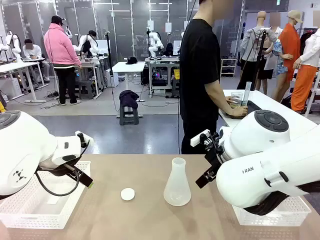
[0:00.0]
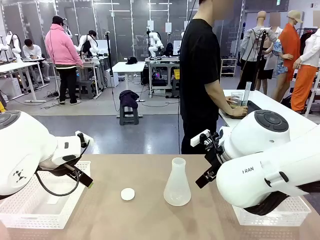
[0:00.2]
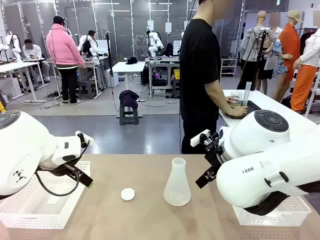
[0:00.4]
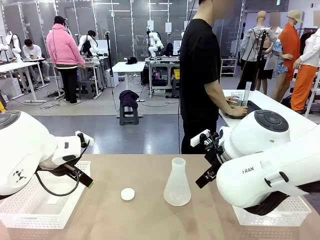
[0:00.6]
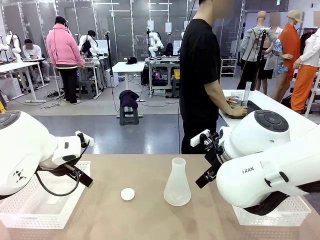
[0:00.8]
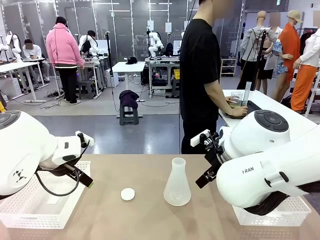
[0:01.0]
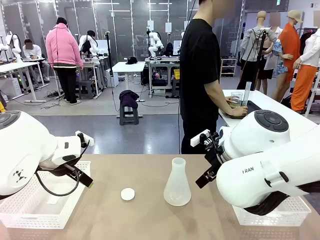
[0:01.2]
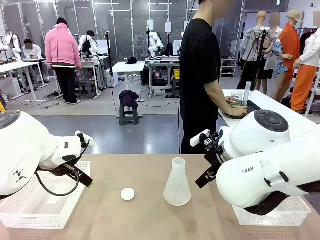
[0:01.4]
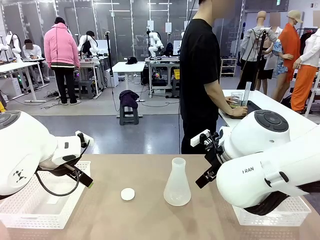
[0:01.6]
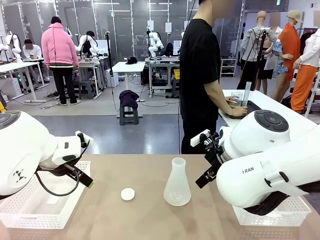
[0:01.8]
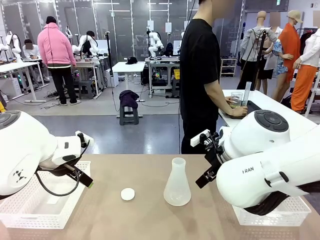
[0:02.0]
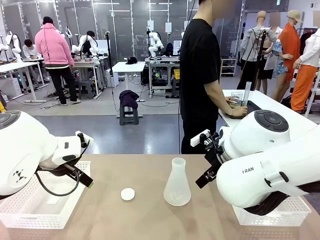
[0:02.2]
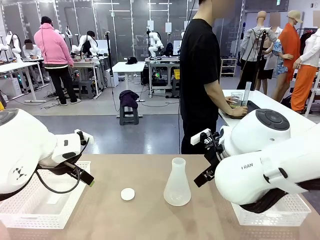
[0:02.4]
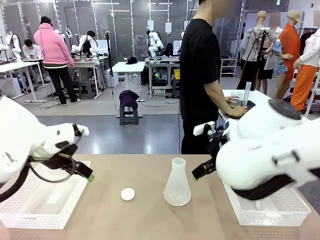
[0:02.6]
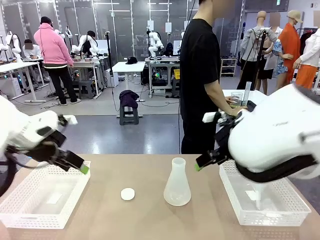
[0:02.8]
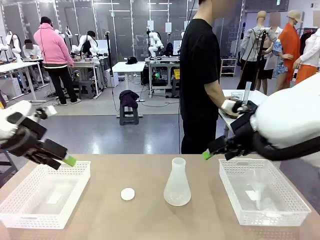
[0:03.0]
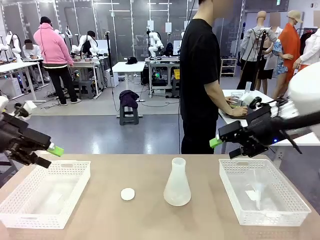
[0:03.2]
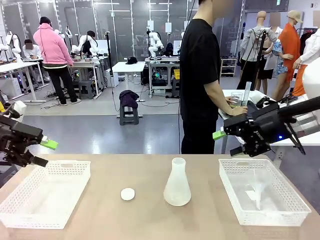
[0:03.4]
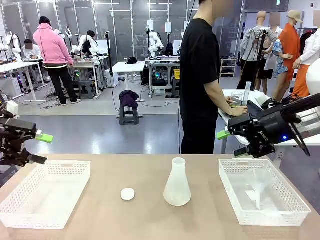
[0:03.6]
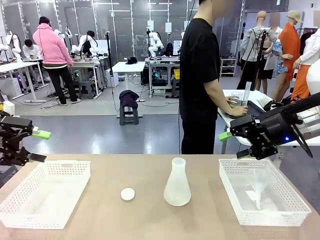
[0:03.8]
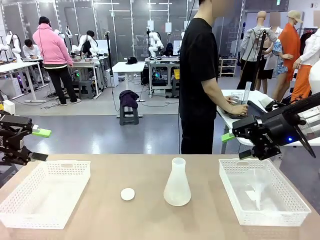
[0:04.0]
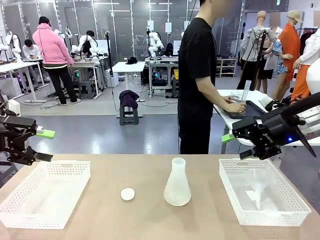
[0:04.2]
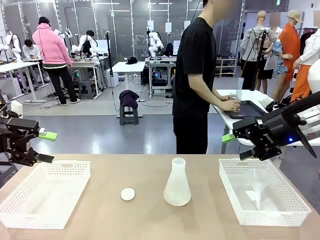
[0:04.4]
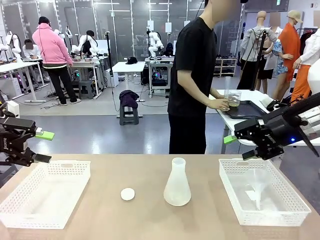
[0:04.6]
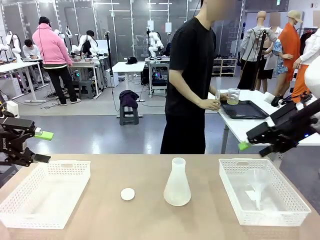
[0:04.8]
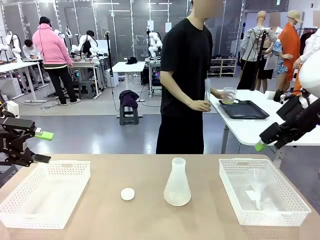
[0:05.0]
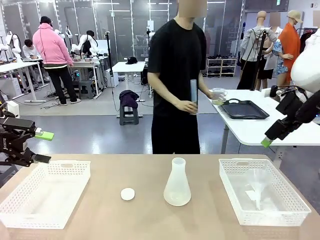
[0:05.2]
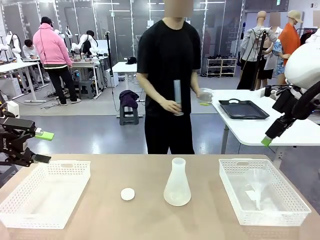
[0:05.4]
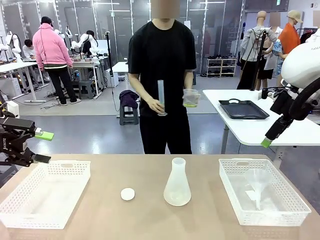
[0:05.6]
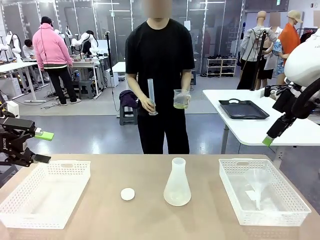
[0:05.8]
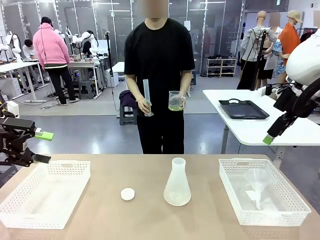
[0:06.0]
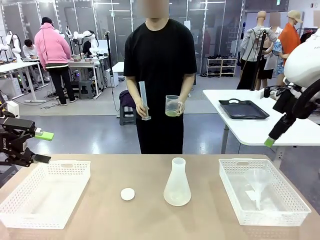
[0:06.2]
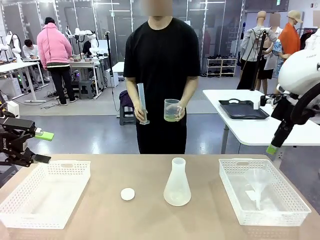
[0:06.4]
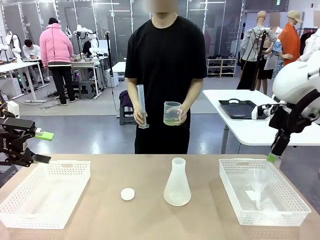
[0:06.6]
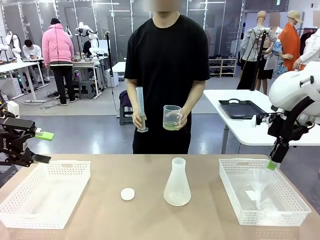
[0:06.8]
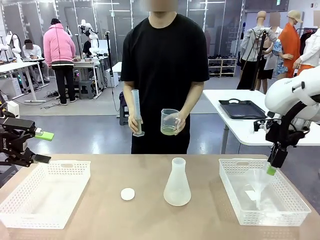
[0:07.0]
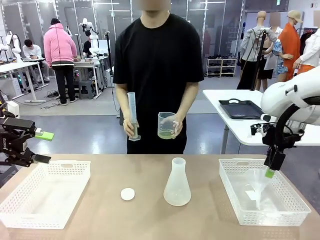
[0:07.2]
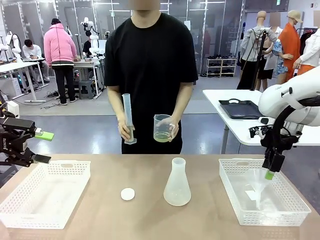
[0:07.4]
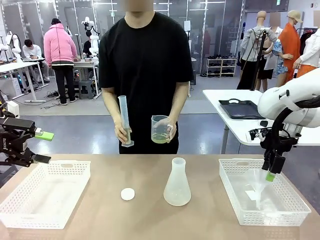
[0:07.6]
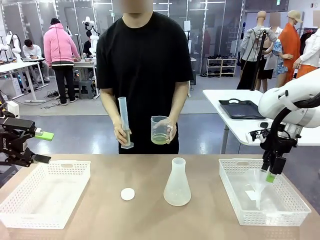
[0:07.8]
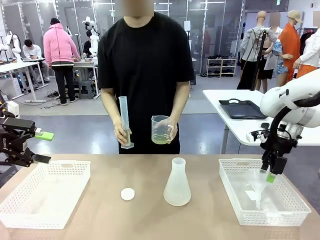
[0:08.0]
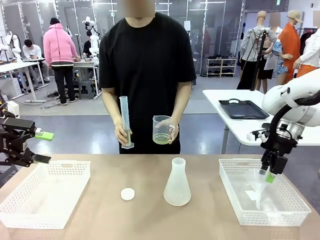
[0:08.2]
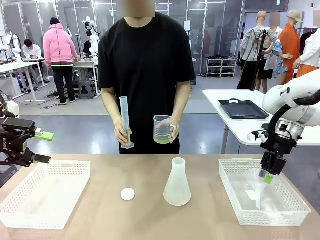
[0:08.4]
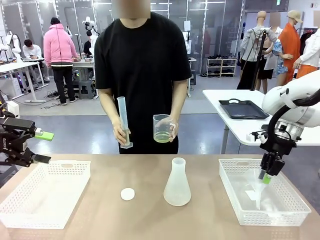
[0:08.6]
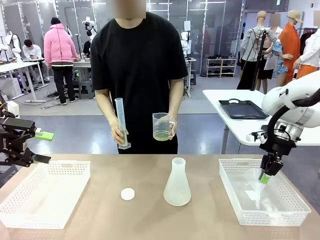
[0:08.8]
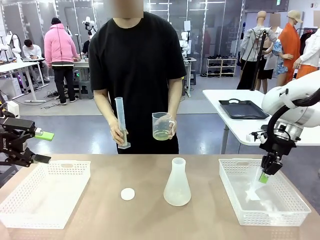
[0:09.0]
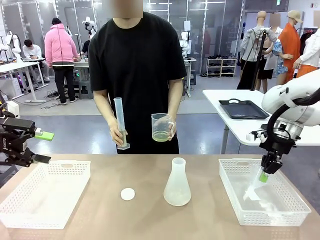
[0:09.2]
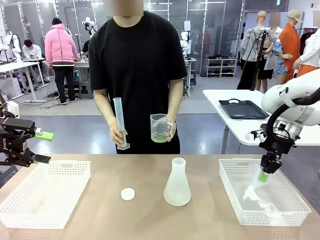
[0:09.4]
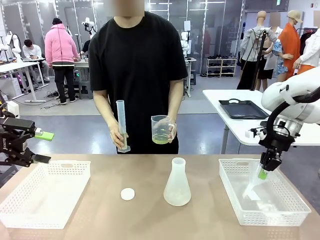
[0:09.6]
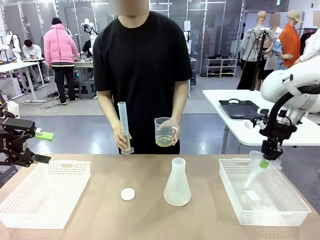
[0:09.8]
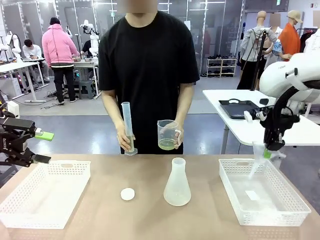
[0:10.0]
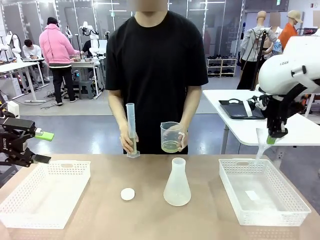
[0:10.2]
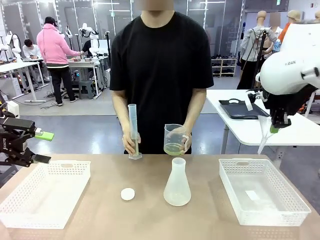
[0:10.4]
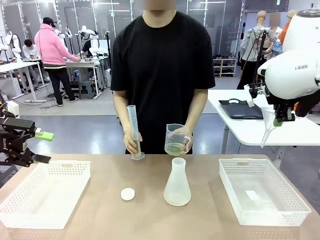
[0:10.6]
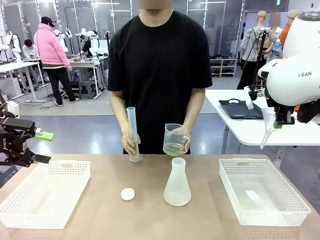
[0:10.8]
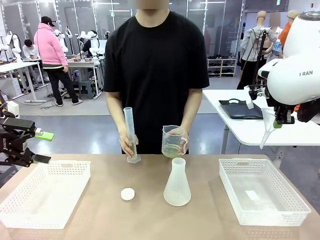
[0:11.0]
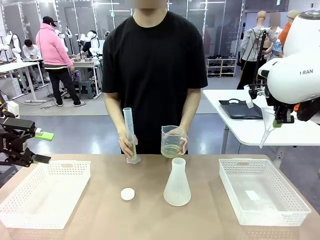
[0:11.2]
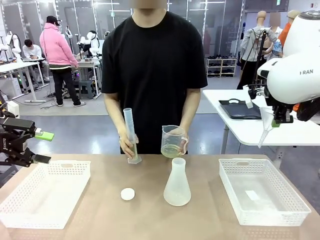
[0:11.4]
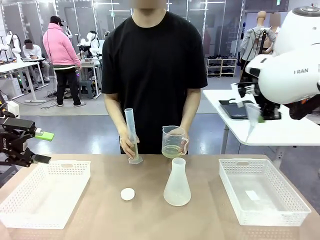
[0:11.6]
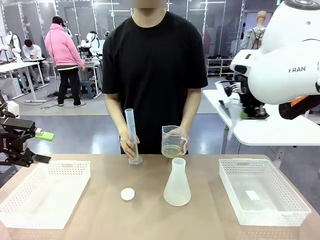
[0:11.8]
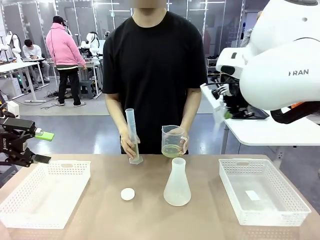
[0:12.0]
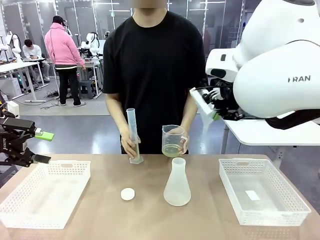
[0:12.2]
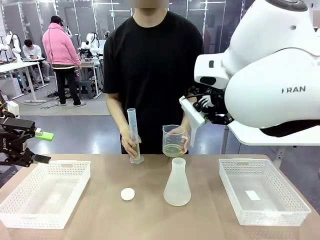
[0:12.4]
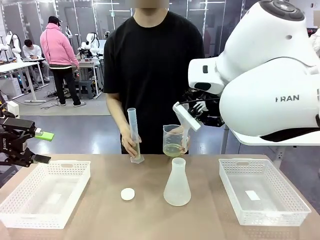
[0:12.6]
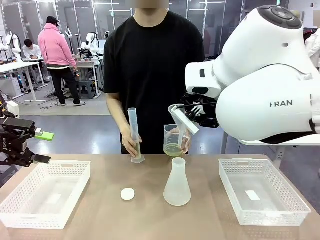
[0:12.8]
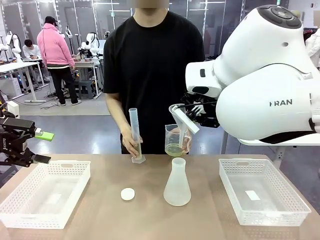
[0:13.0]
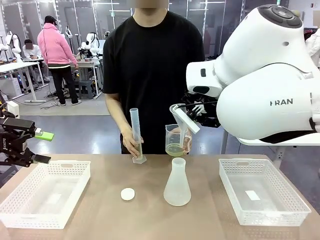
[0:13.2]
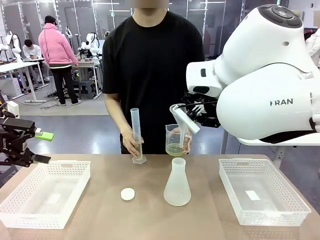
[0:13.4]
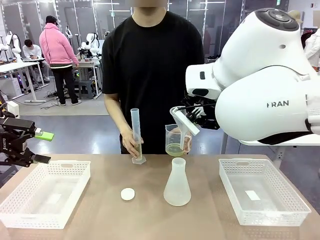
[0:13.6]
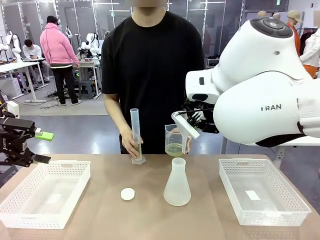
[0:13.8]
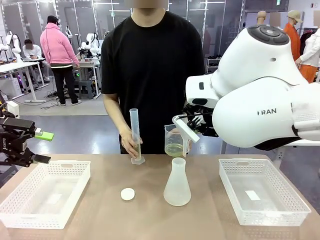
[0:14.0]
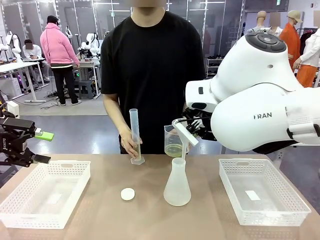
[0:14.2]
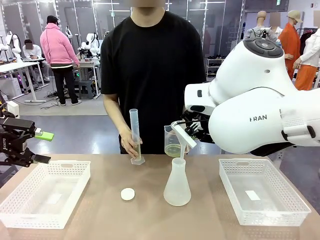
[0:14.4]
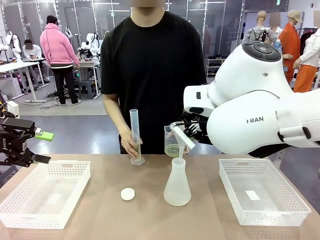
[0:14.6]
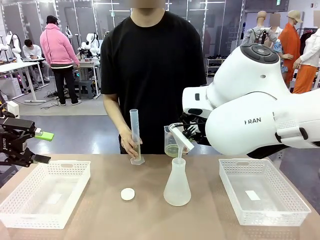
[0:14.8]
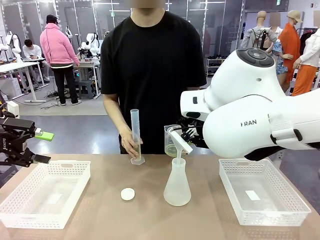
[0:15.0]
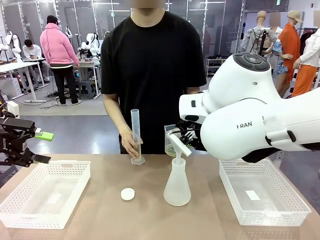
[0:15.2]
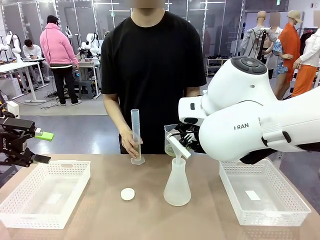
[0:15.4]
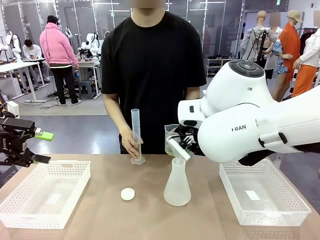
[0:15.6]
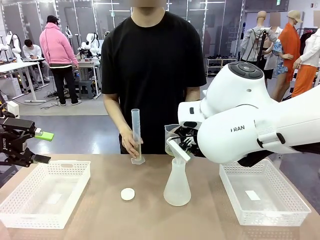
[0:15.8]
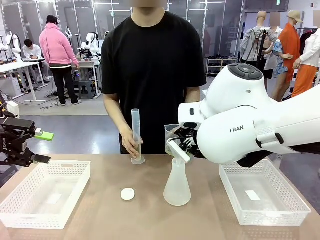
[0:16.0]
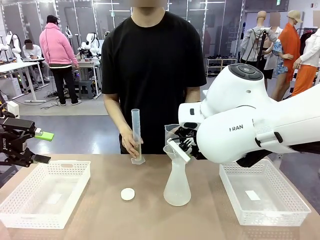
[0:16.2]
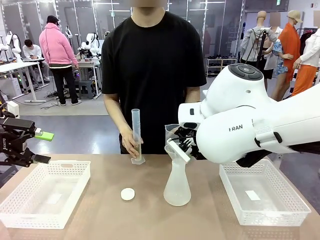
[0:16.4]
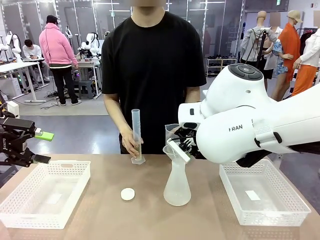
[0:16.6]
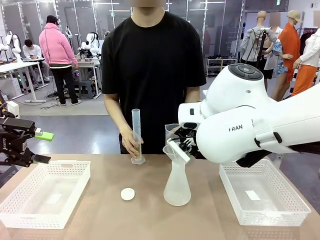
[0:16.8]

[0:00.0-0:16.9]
Task: Prepare the solutions needed for the experiment.
Robot: Pick up the Plastic Funnel and insert it into the Big flask.
Person: Pick up the beaker and the cylinder and move to the middle of the robot table.
